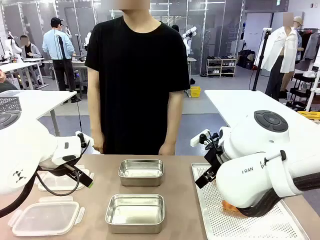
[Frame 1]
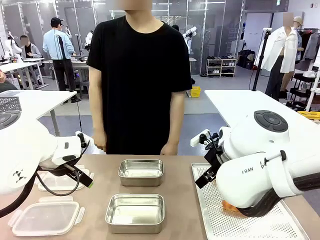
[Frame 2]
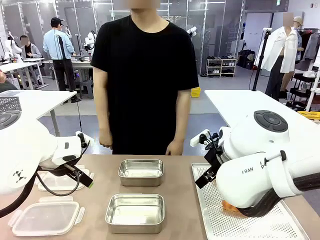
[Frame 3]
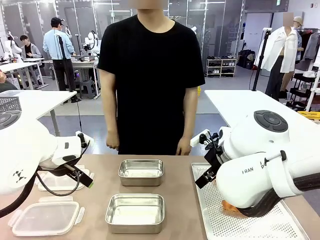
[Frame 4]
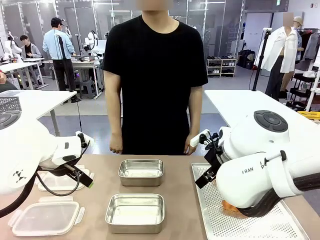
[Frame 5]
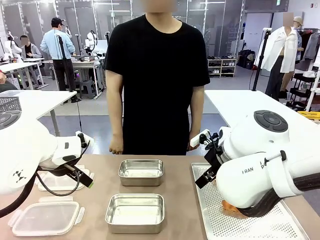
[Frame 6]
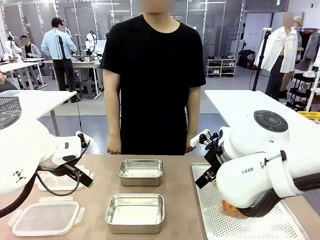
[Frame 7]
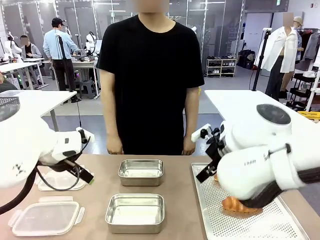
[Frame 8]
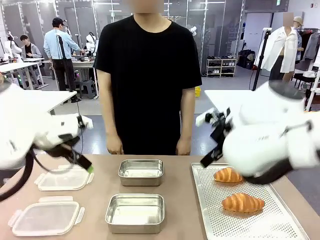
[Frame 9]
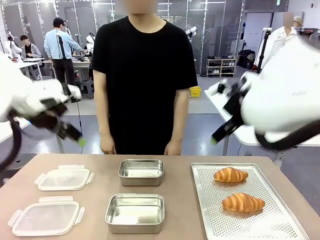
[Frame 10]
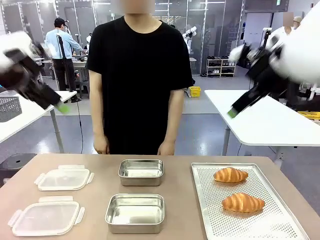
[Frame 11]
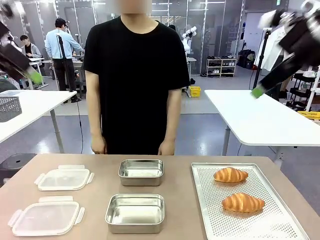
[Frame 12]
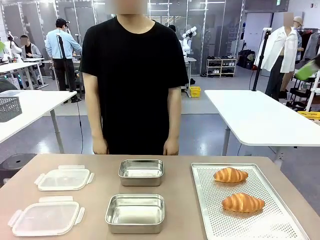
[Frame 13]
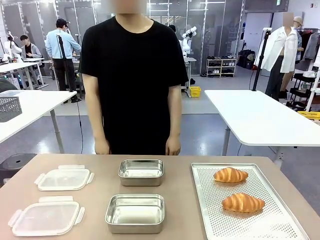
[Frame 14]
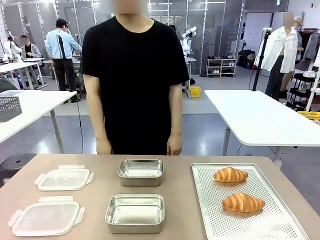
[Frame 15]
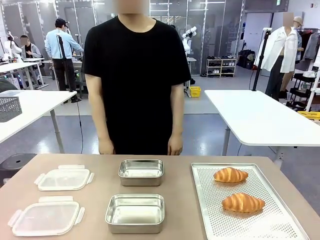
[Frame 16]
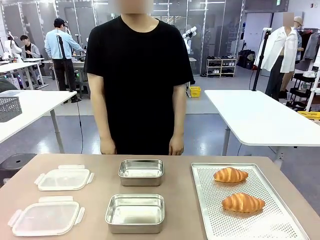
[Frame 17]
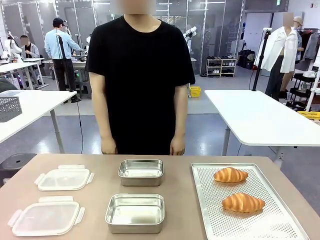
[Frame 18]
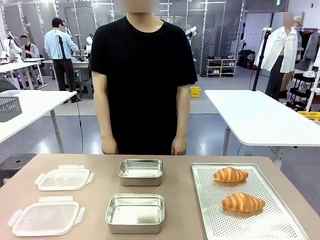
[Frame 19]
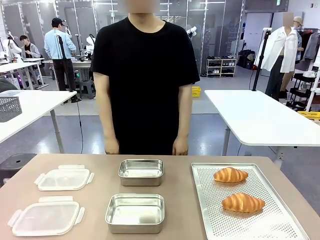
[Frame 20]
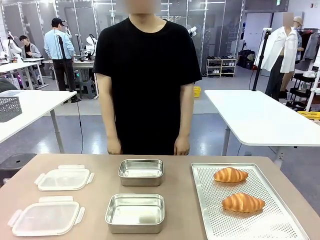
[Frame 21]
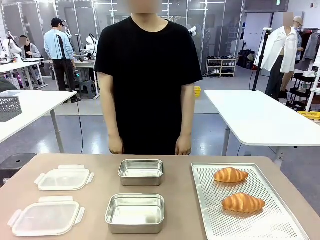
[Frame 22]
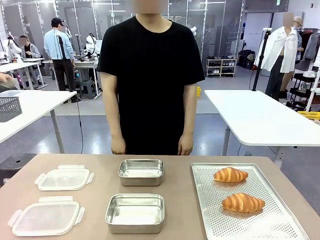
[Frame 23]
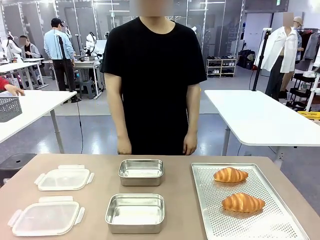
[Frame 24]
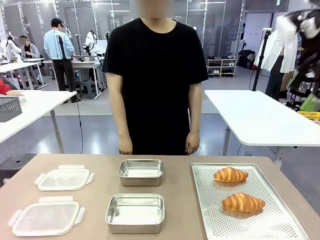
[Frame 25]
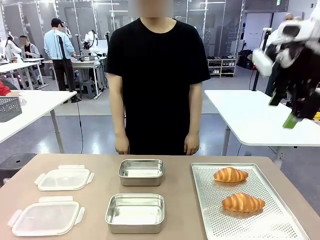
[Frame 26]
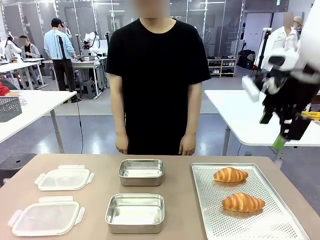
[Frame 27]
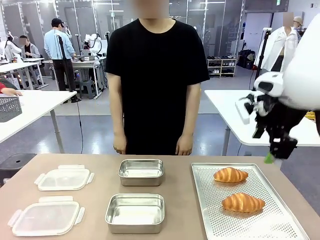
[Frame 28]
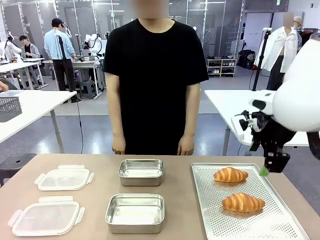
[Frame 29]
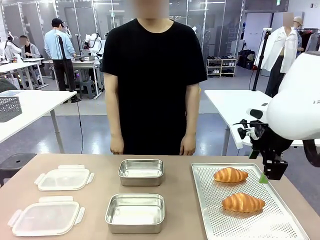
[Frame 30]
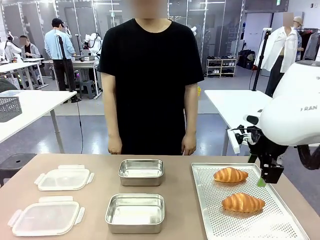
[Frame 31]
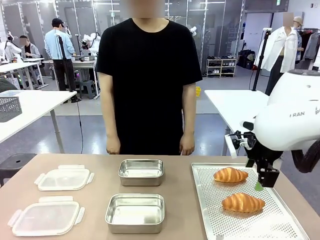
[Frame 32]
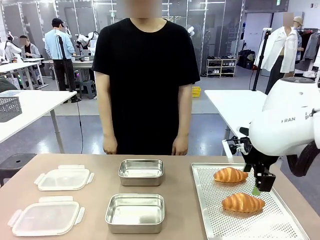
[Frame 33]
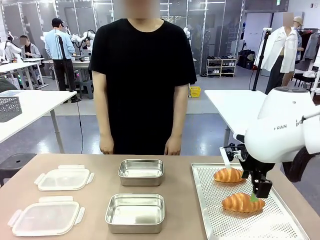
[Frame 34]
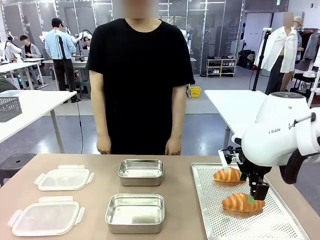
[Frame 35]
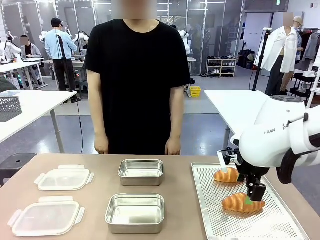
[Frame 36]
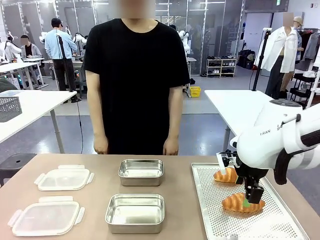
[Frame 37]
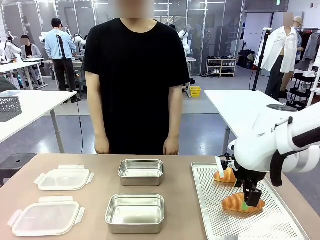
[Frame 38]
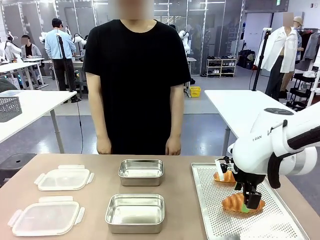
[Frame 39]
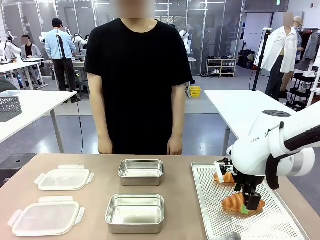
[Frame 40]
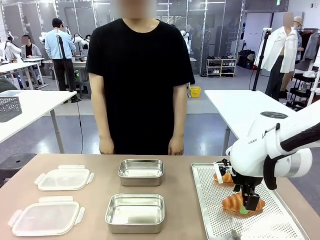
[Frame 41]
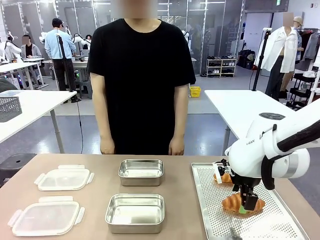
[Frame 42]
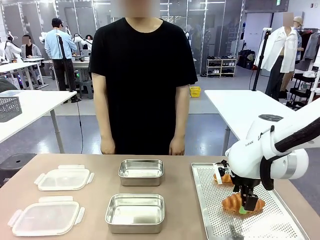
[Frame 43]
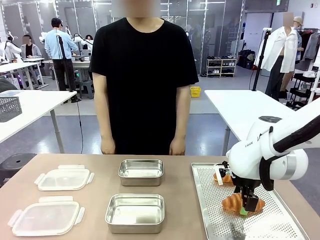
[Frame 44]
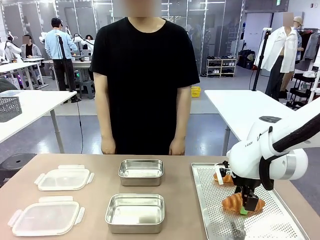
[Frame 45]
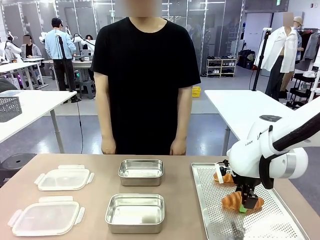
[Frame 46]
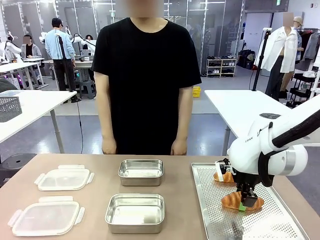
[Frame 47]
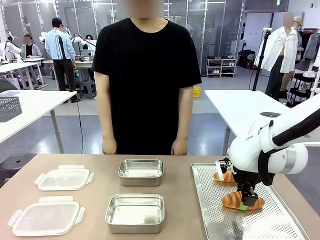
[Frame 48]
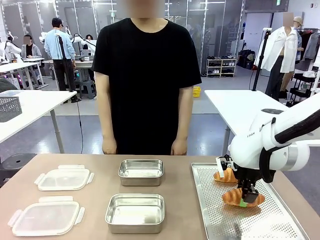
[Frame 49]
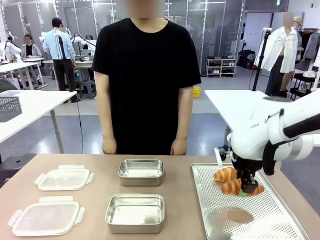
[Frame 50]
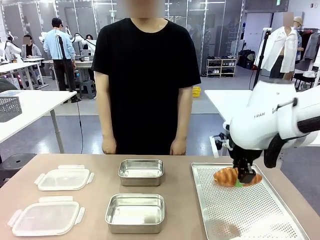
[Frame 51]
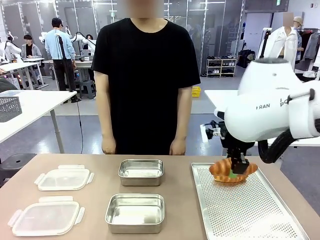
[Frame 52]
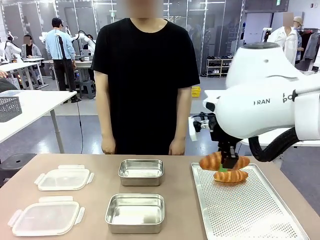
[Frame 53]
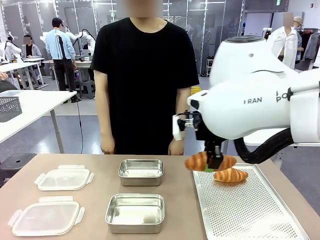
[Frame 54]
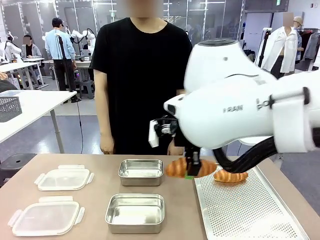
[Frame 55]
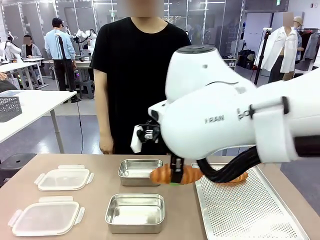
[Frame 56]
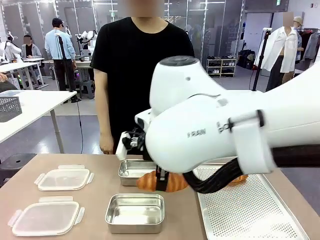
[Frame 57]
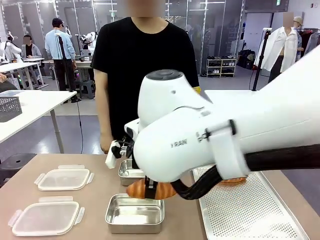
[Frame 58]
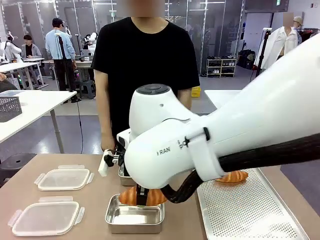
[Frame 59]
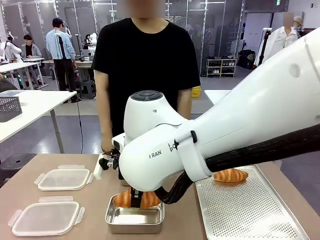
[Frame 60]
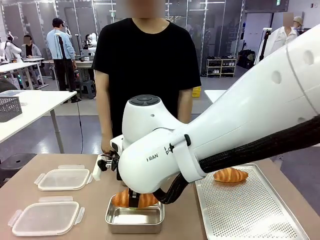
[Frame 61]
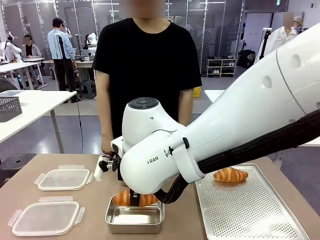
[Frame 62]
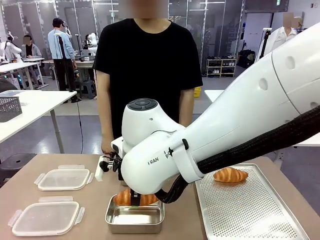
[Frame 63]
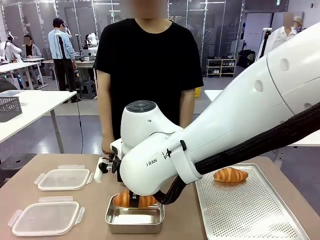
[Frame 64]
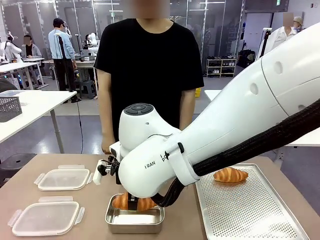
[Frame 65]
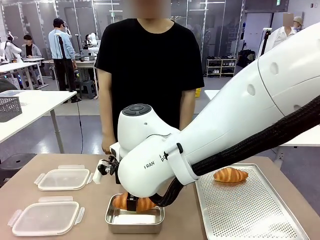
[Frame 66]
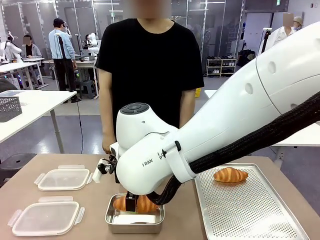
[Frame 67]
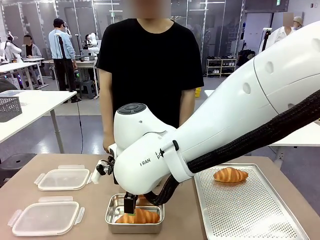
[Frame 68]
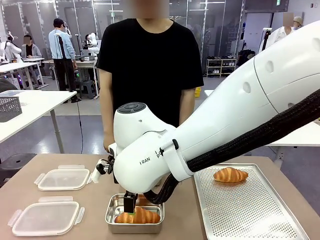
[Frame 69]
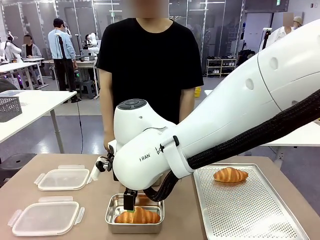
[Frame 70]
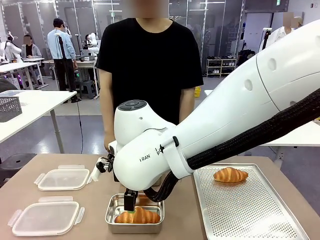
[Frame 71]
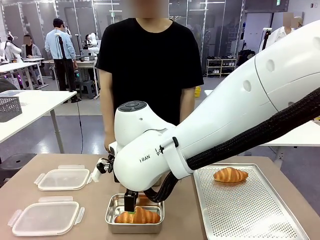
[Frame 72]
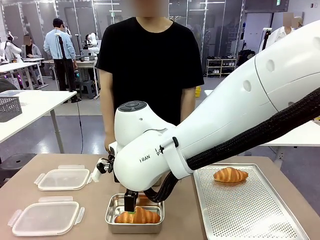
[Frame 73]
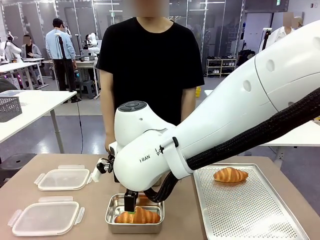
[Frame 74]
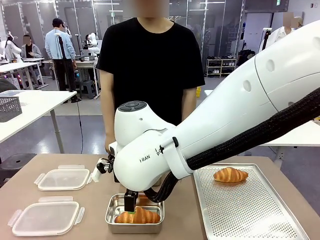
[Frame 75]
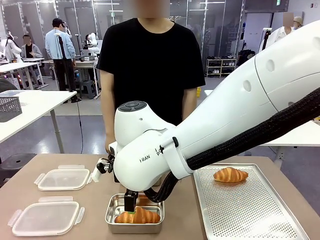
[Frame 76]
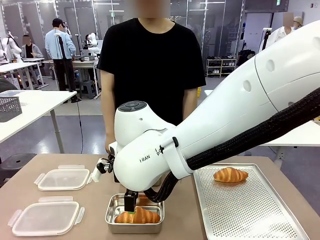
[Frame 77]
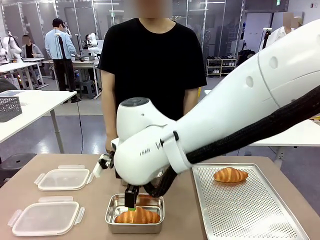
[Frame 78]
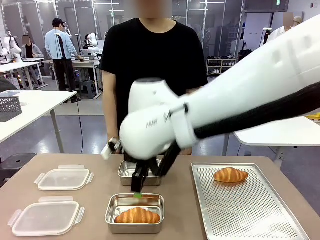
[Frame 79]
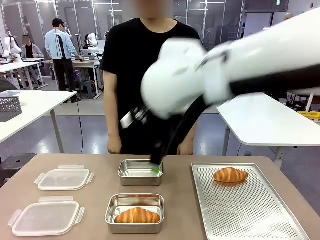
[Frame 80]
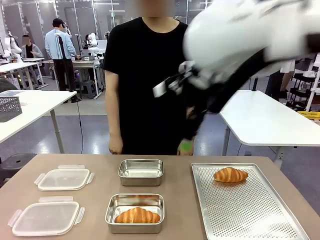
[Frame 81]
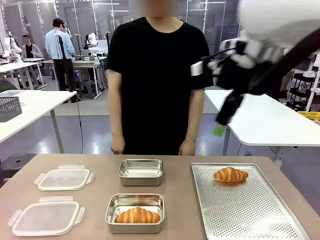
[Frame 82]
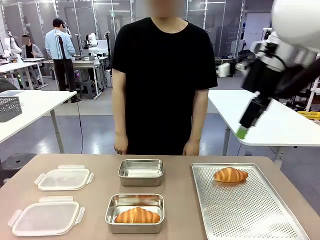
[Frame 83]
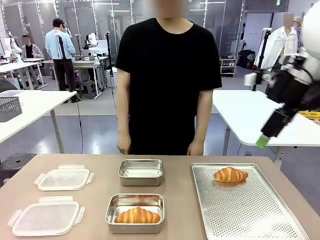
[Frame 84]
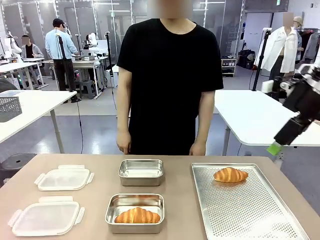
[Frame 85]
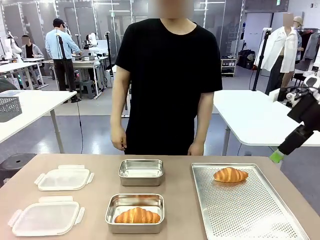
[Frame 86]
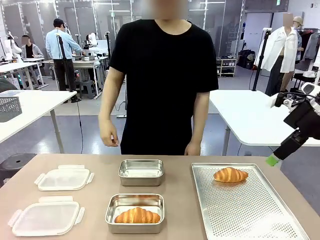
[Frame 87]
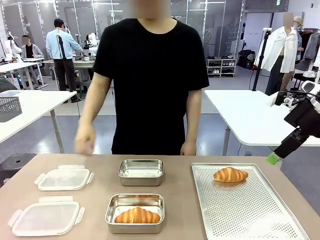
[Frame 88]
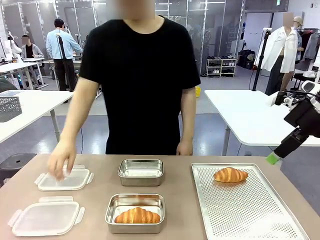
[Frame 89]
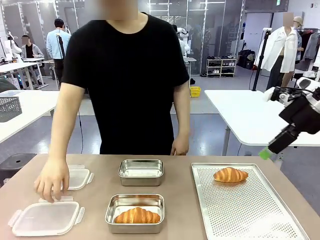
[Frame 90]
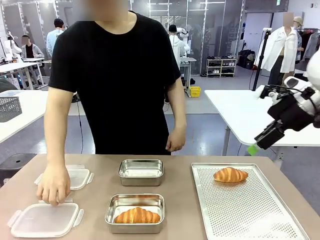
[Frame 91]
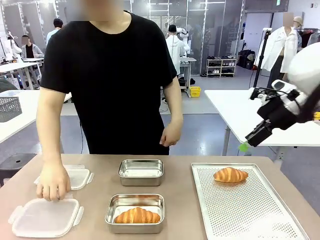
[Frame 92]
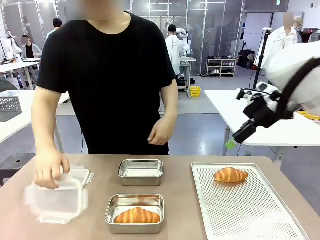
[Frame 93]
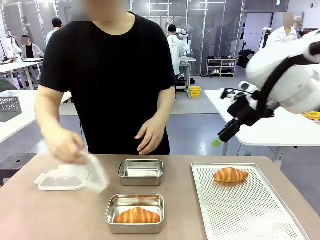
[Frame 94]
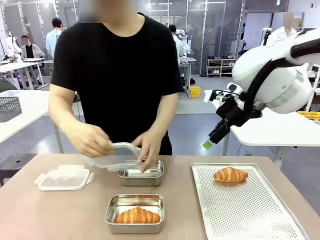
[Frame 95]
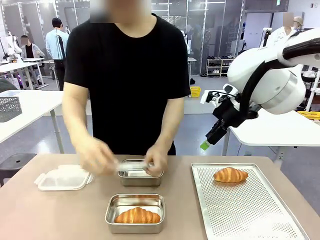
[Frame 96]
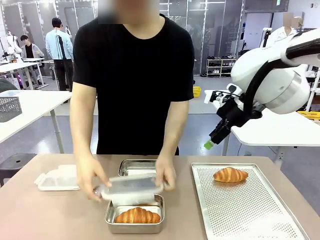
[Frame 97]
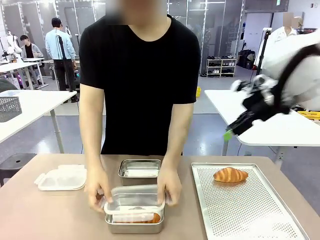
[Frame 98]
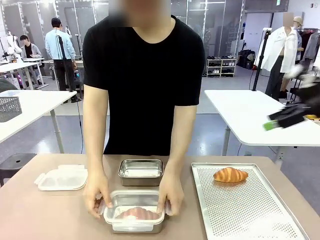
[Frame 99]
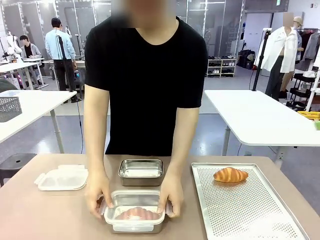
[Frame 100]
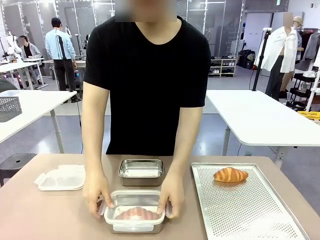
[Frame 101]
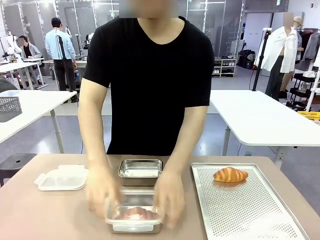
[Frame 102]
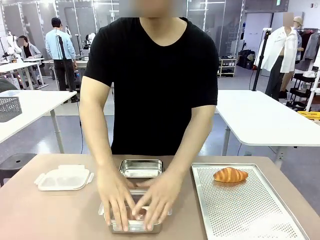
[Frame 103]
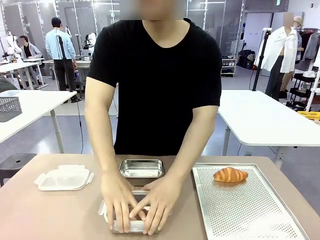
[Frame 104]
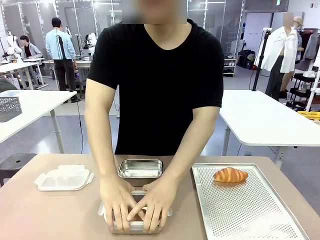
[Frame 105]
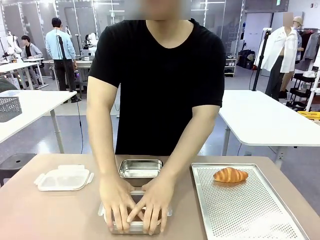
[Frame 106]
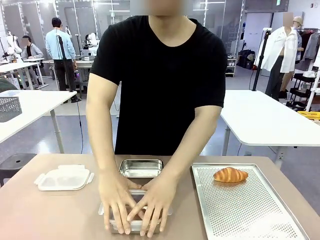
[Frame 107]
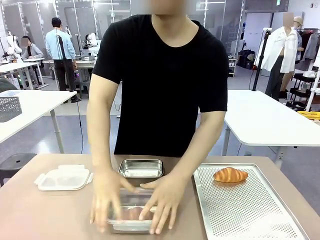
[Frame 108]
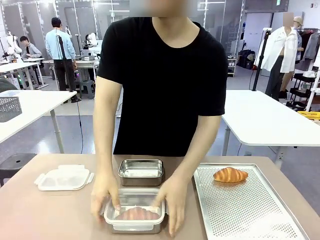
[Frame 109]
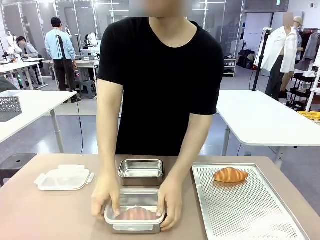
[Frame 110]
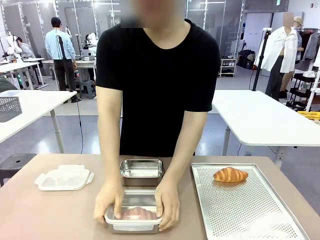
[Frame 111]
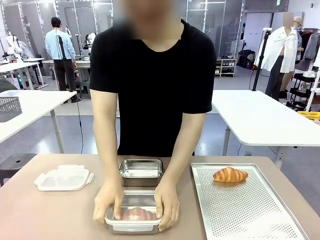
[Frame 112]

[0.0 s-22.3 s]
Task: Place the bread into the airtight container.
Robot: Pick up a Butter Roll and place it into an empty Airtight Container.
